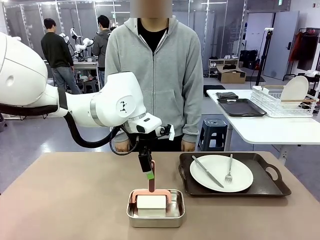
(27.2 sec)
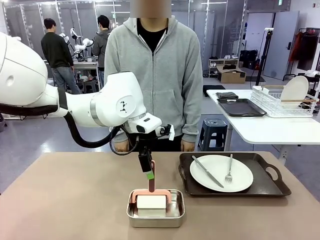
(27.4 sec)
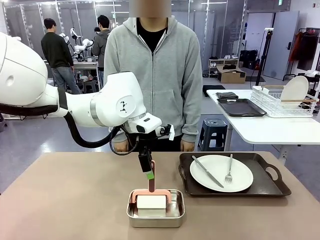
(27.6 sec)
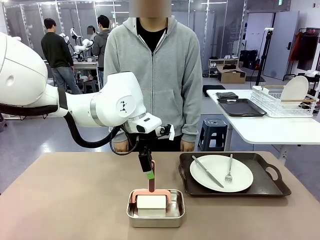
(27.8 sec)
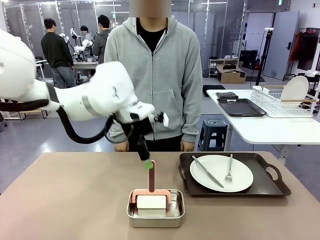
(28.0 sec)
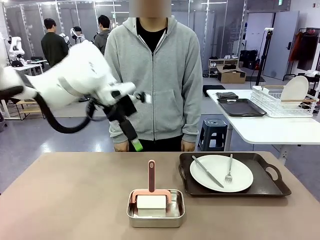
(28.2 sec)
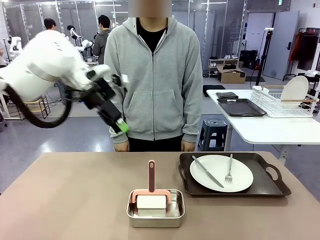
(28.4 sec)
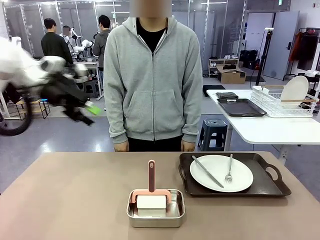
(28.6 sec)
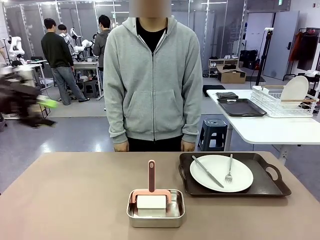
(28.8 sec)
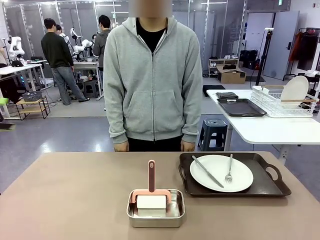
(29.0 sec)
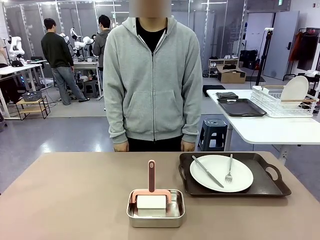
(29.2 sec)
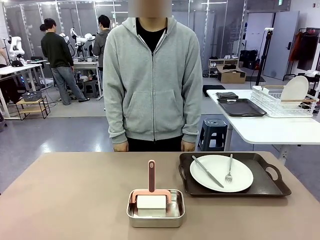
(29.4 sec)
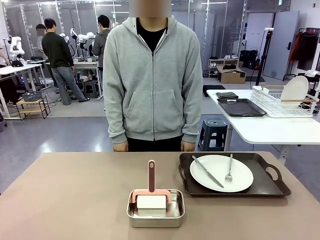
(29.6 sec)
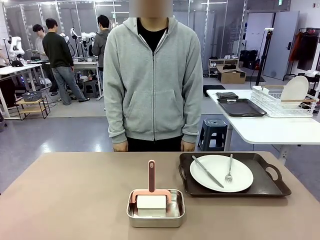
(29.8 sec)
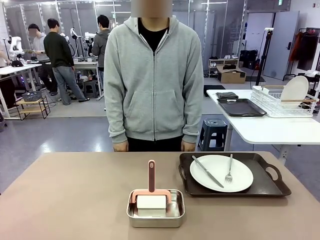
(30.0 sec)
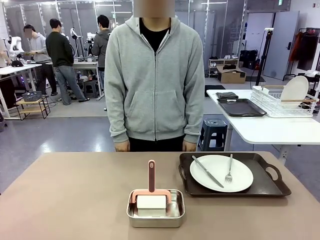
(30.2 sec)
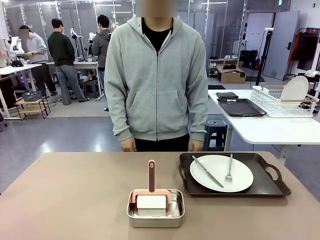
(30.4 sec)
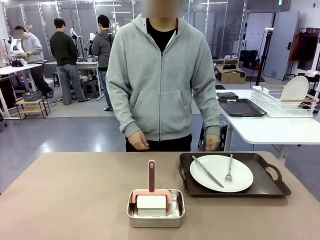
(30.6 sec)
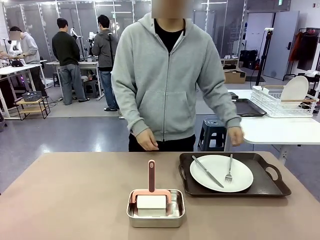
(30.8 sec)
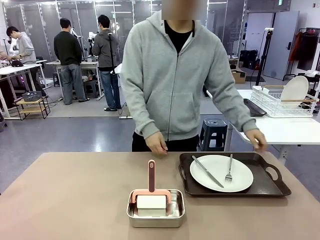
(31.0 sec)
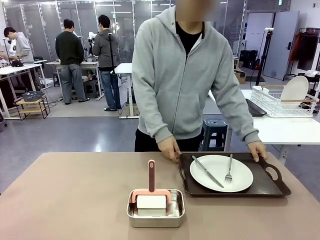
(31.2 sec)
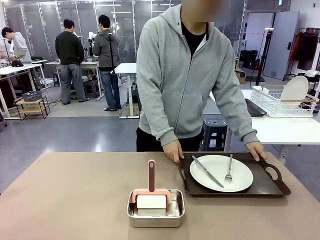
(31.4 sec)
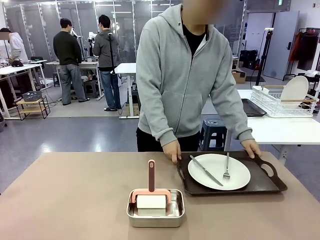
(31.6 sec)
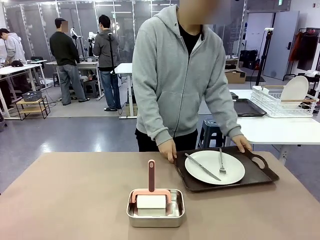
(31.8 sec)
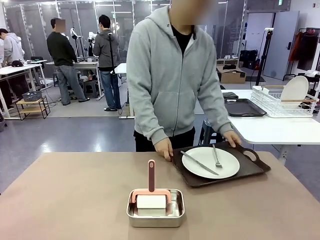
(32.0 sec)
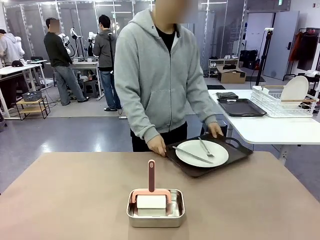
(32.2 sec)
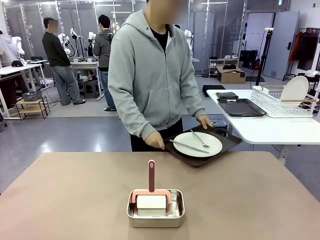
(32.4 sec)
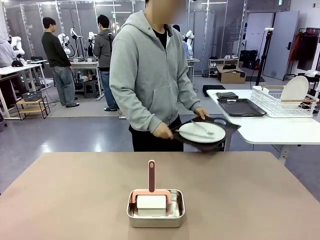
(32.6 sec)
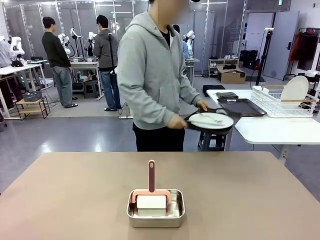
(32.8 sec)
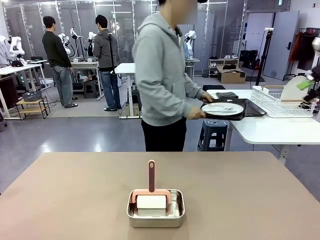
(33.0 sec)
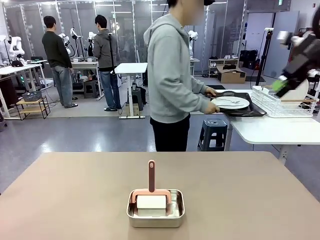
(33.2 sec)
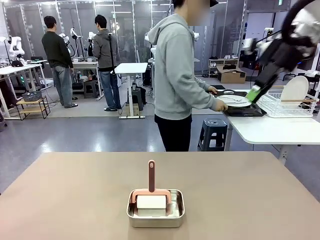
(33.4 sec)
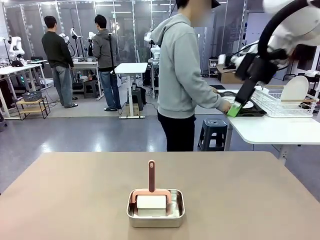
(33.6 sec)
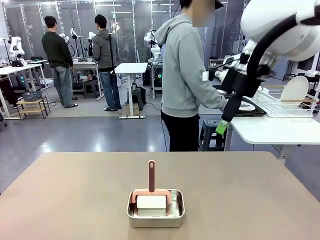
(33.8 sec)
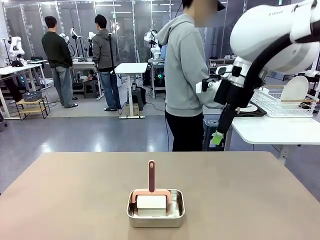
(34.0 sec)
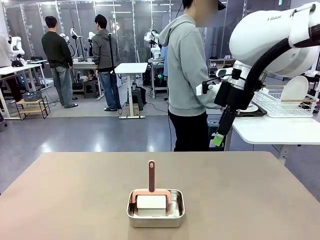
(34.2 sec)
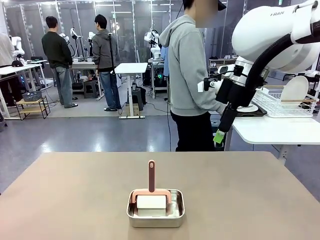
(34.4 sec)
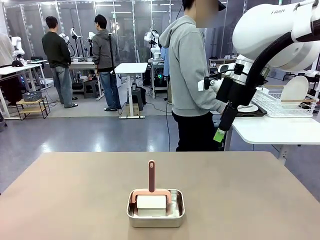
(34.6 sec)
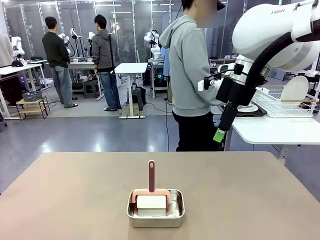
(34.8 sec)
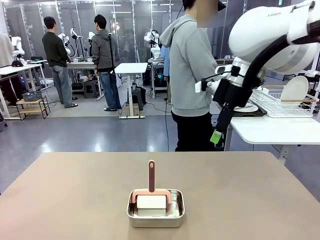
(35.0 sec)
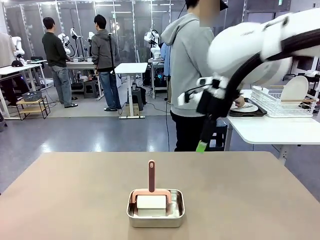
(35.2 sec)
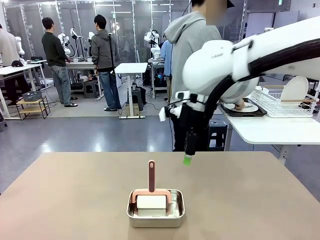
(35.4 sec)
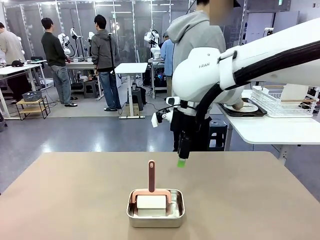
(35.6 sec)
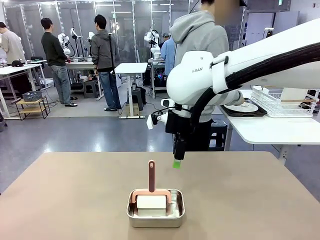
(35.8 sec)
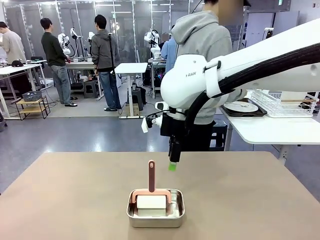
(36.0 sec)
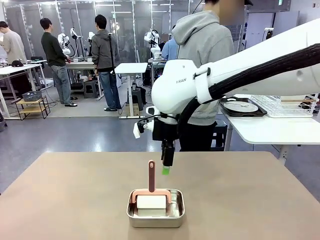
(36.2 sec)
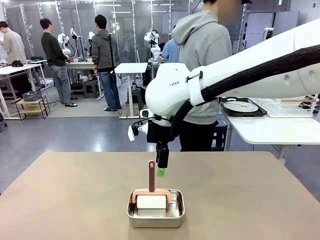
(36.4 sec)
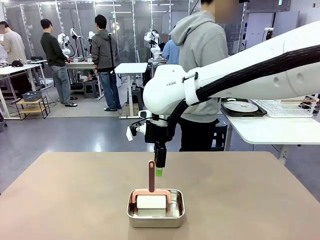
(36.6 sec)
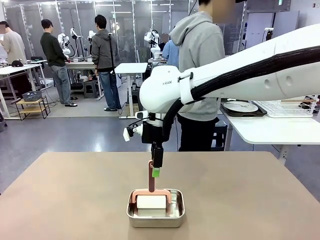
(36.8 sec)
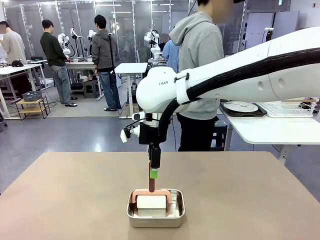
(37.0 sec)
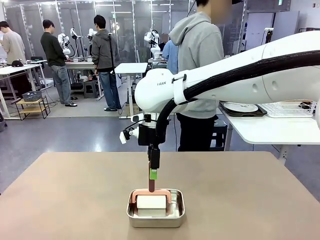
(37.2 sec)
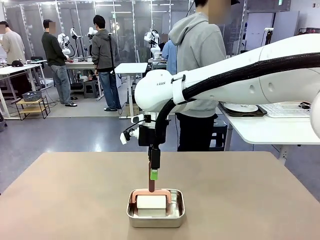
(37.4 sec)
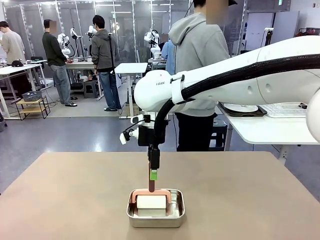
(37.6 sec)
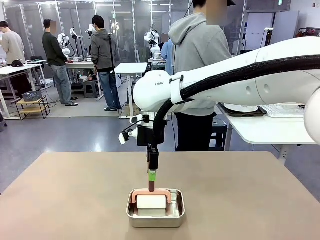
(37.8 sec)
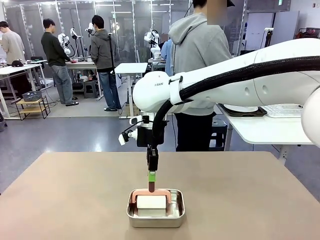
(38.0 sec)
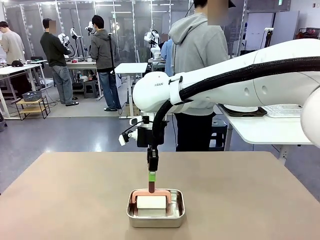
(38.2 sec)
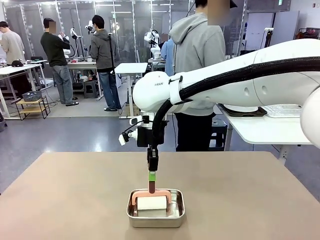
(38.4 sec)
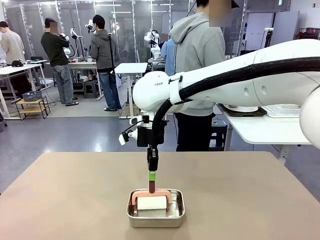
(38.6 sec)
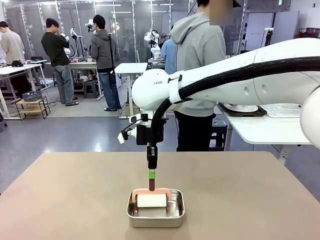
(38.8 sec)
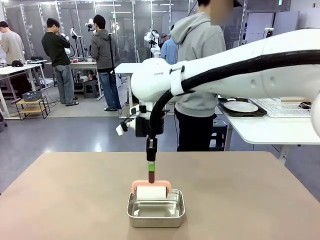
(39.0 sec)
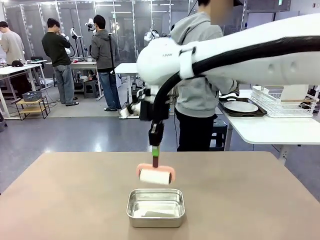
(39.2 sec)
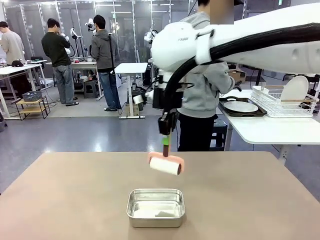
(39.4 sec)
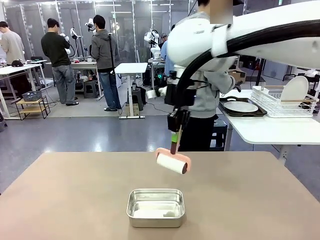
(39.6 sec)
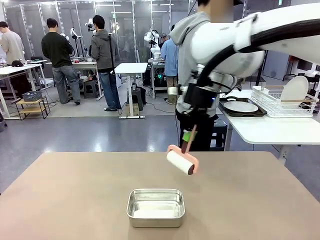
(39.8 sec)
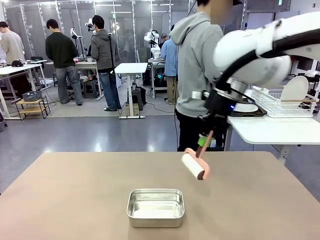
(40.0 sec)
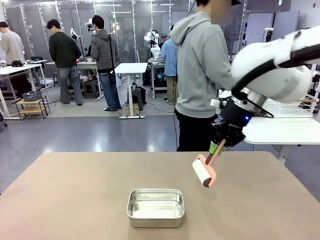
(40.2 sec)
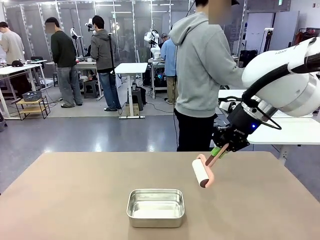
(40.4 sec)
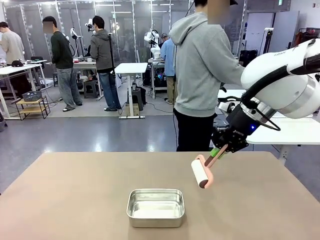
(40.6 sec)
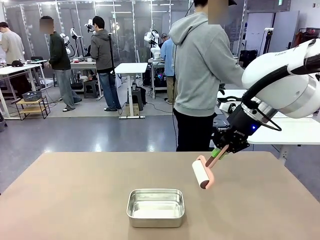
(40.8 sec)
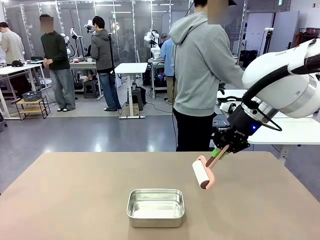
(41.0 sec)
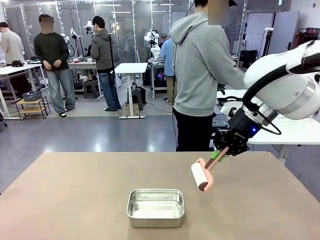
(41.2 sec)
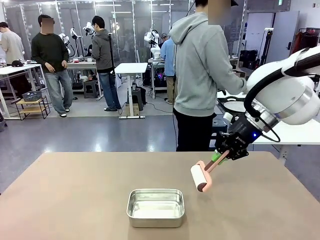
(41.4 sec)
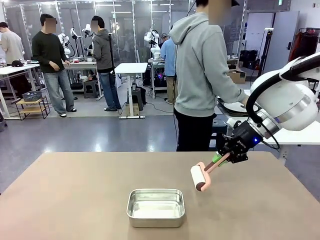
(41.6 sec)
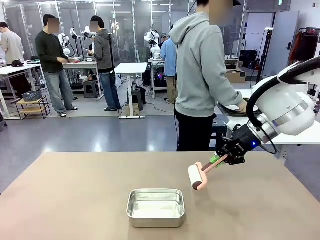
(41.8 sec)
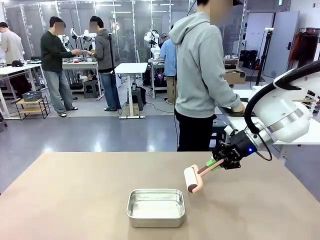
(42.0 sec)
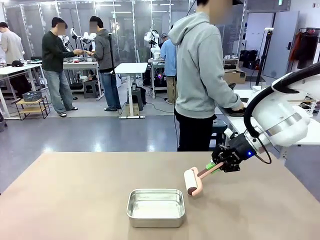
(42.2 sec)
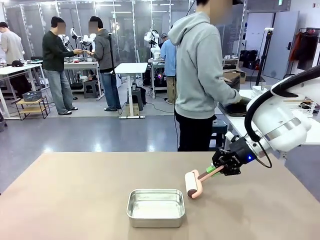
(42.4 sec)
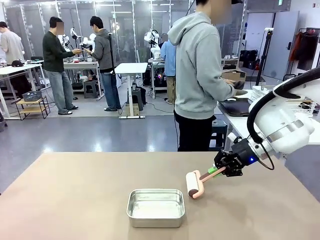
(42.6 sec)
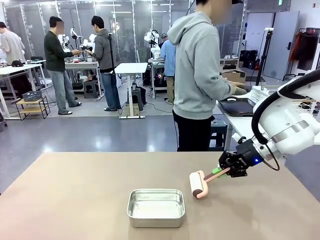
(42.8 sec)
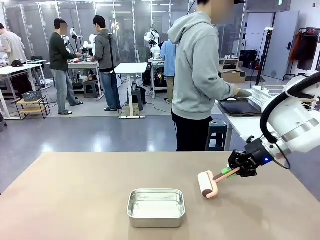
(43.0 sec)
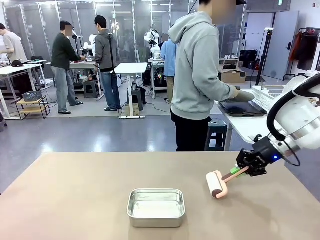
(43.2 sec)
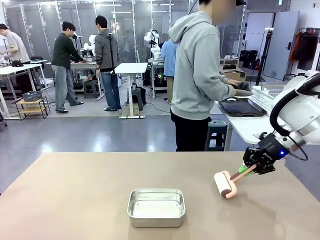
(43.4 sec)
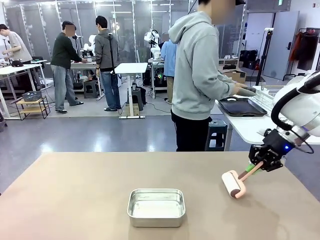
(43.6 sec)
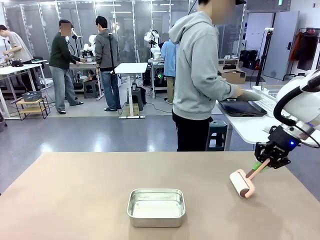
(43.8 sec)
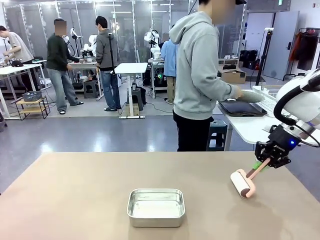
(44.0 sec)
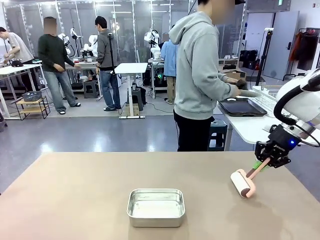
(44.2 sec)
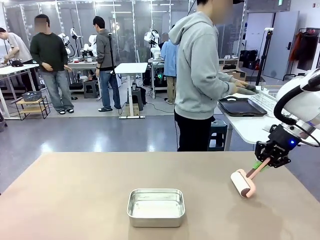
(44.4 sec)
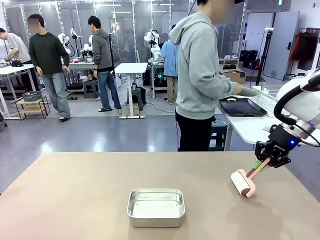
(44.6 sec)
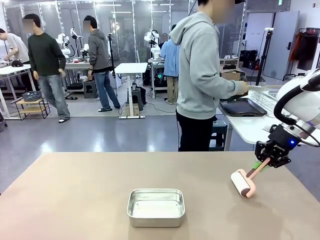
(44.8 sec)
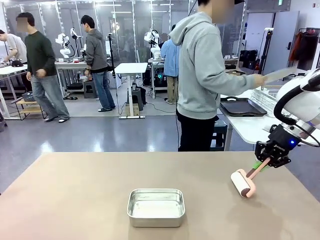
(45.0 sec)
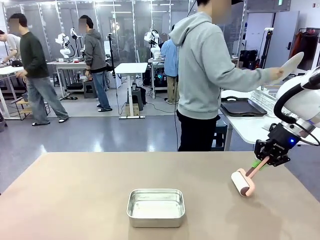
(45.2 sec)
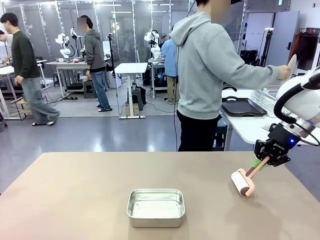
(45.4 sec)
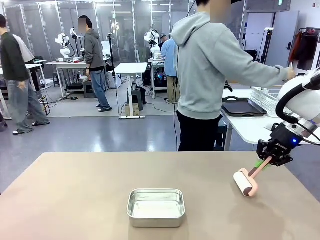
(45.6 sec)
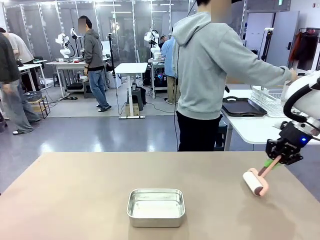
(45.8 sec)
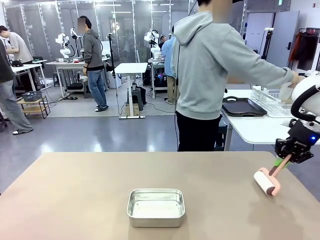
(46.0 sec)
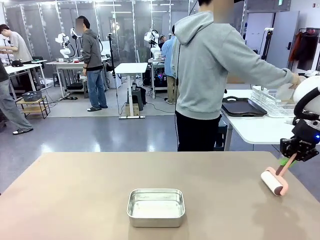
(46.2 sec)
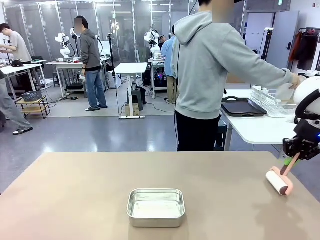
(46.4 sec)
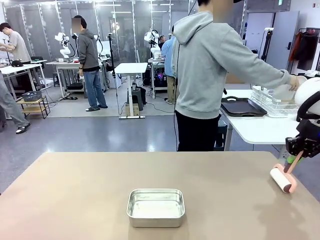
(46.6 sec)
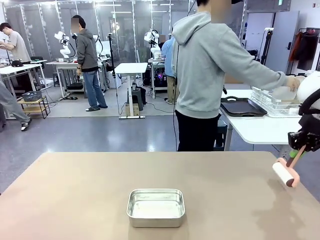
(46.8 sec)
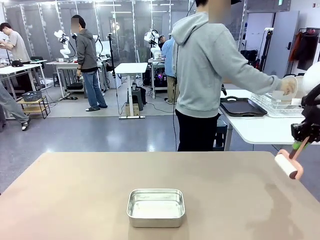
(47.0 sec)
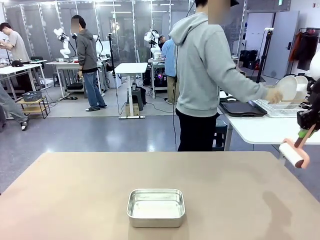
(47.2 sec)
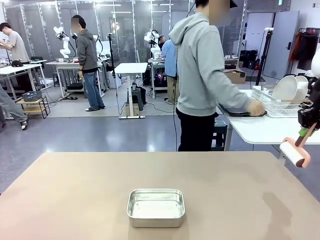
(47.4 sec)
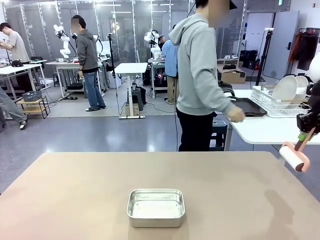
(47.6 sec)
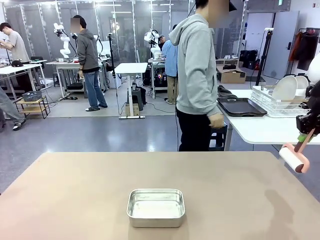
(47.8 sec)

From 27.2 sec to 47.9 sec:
Robot: When the right (or left) Handle tray is removed, use the right hand (or left hand) to clean the right (or left) side of the table with the Lint Roller.
Person: Pick up the left (or right) Handle tray and place it on the Handle tray. Use the Towel with hook to wipe the Plastic Matte Plate , Fork , and Knife and place into the Dish drying rack.
